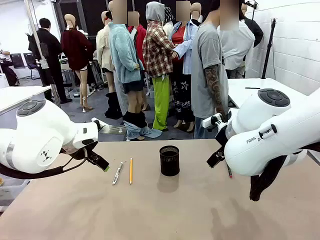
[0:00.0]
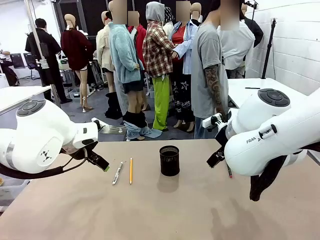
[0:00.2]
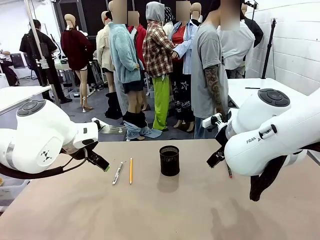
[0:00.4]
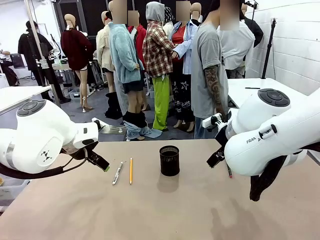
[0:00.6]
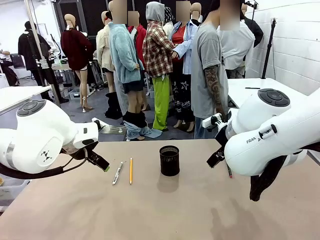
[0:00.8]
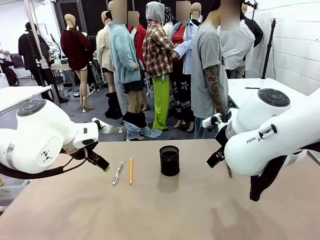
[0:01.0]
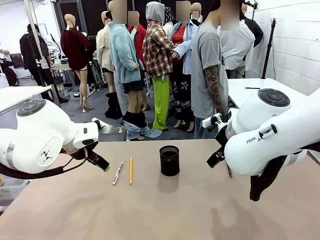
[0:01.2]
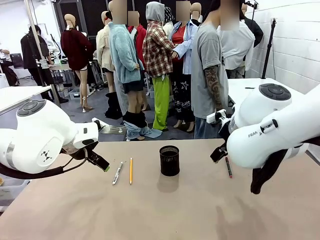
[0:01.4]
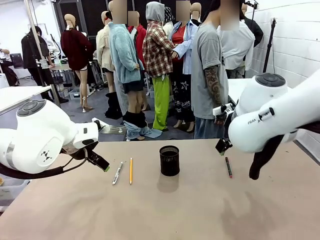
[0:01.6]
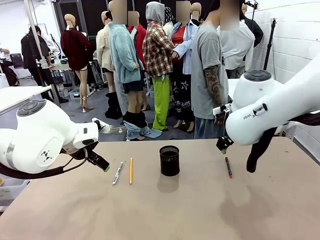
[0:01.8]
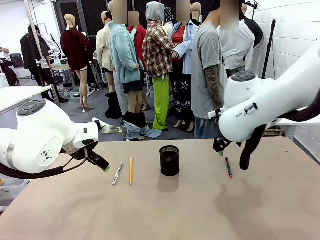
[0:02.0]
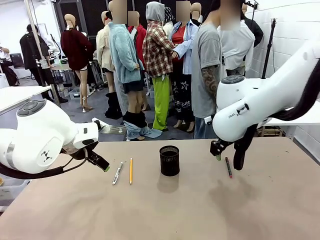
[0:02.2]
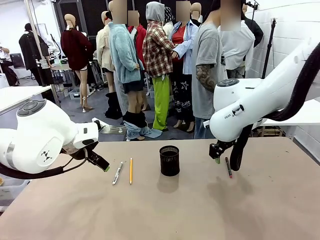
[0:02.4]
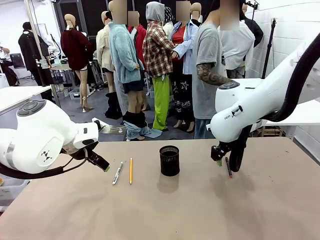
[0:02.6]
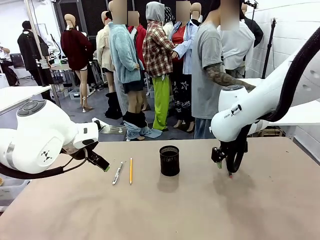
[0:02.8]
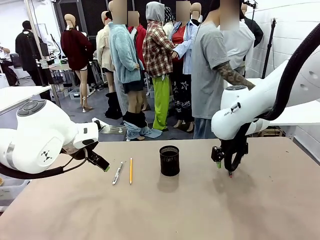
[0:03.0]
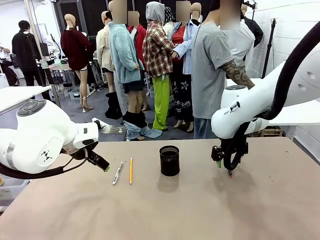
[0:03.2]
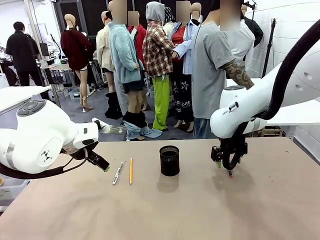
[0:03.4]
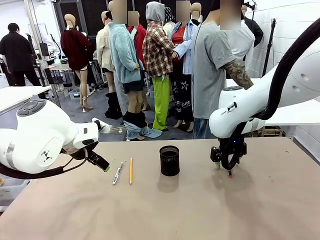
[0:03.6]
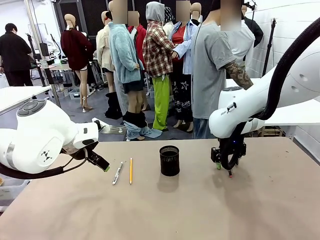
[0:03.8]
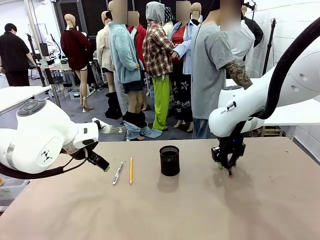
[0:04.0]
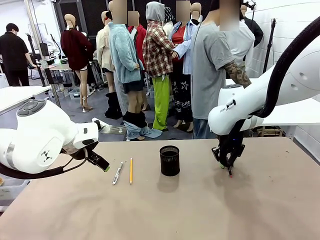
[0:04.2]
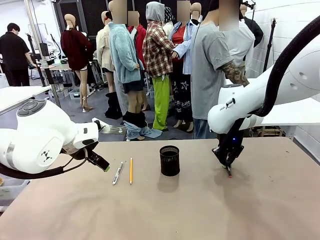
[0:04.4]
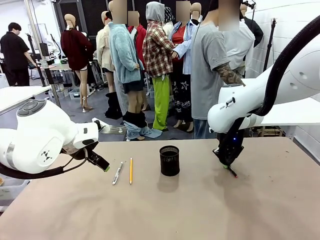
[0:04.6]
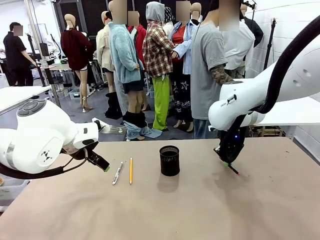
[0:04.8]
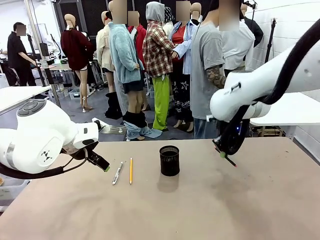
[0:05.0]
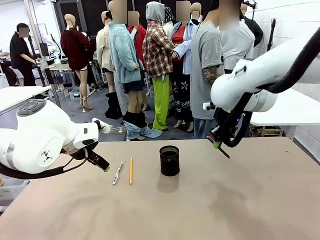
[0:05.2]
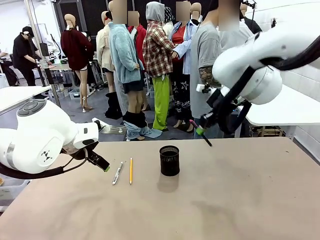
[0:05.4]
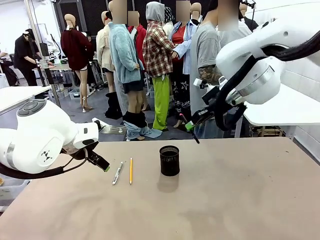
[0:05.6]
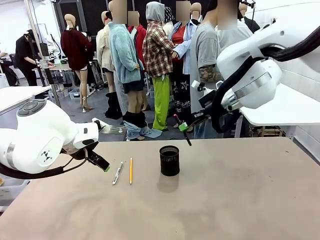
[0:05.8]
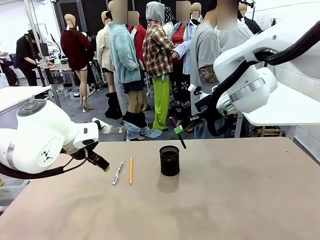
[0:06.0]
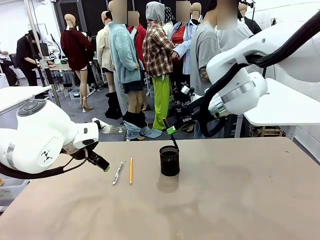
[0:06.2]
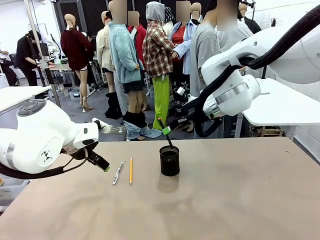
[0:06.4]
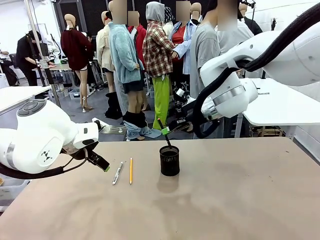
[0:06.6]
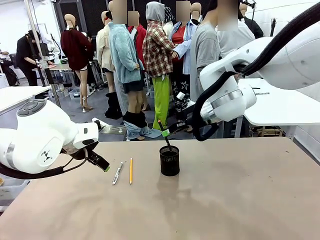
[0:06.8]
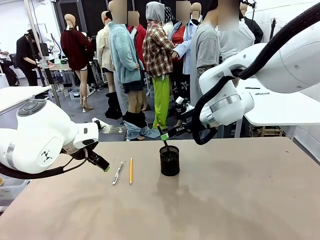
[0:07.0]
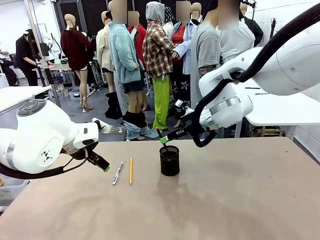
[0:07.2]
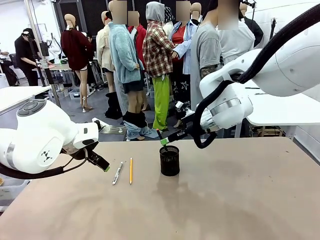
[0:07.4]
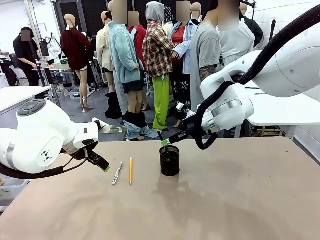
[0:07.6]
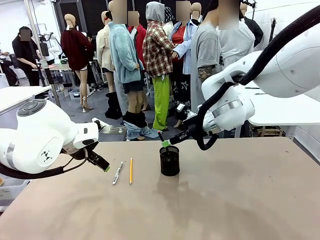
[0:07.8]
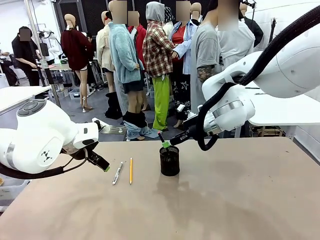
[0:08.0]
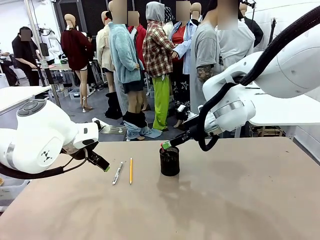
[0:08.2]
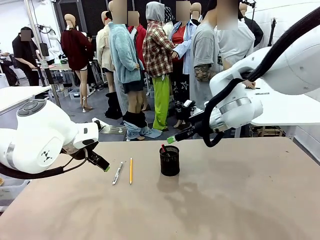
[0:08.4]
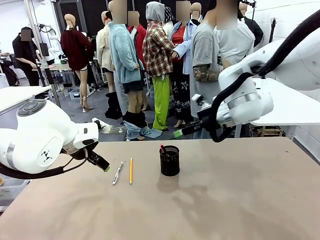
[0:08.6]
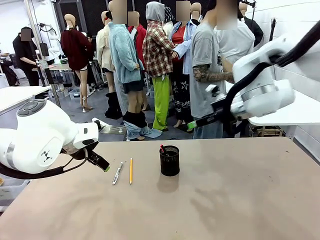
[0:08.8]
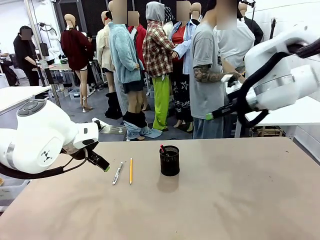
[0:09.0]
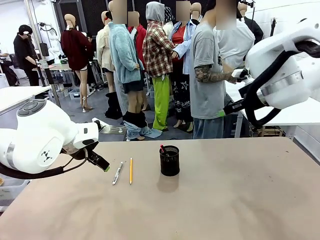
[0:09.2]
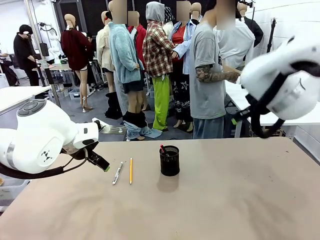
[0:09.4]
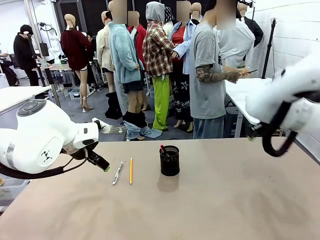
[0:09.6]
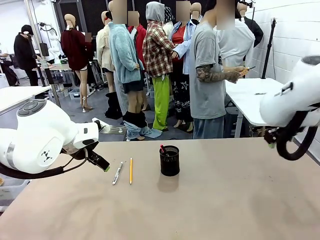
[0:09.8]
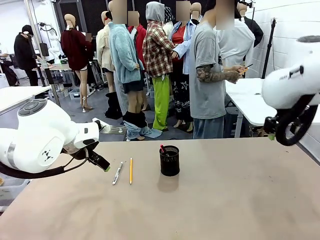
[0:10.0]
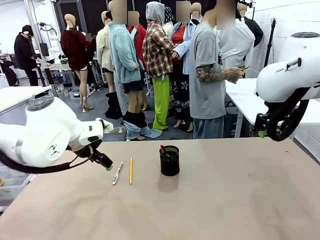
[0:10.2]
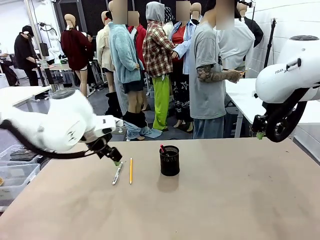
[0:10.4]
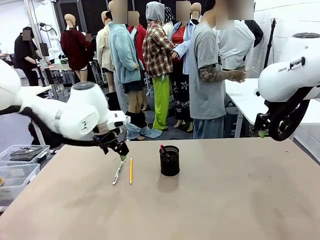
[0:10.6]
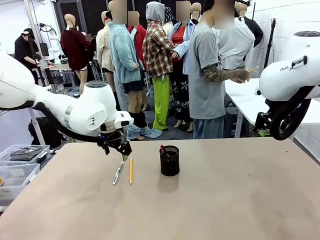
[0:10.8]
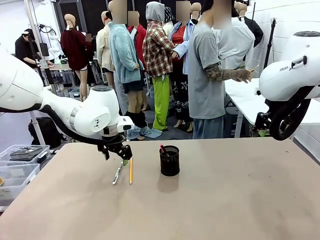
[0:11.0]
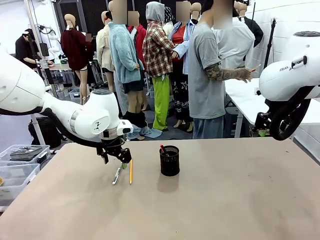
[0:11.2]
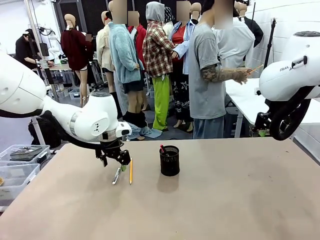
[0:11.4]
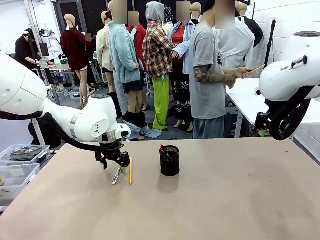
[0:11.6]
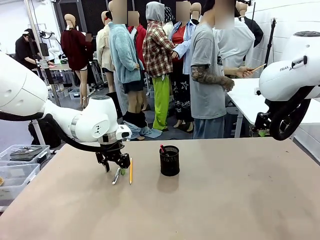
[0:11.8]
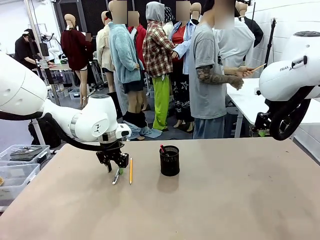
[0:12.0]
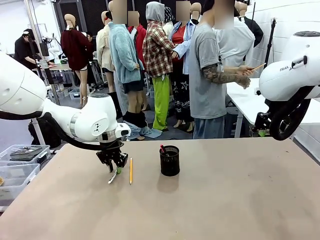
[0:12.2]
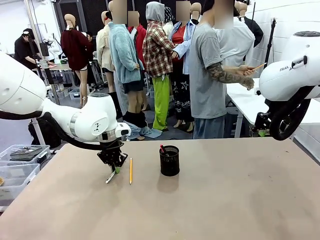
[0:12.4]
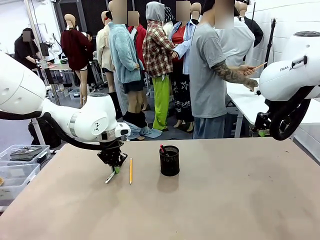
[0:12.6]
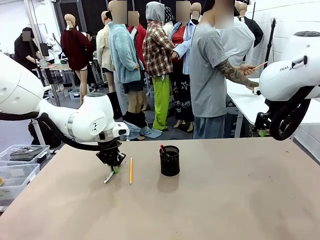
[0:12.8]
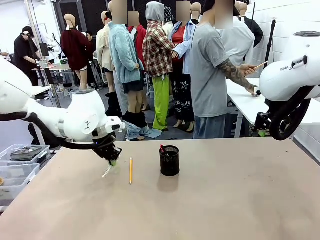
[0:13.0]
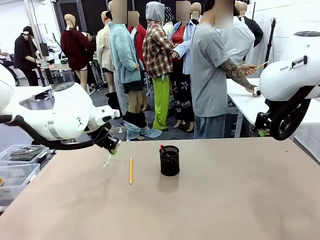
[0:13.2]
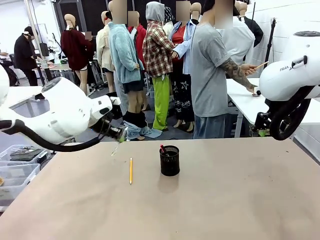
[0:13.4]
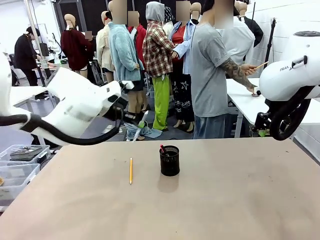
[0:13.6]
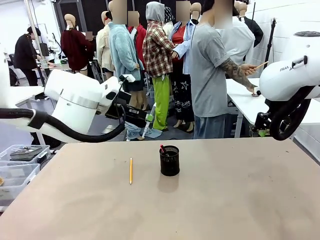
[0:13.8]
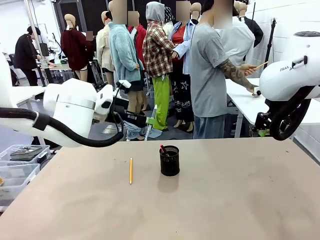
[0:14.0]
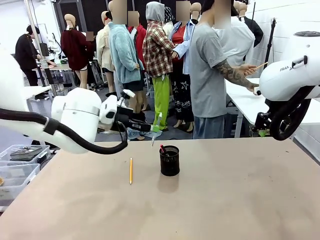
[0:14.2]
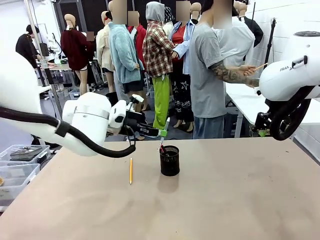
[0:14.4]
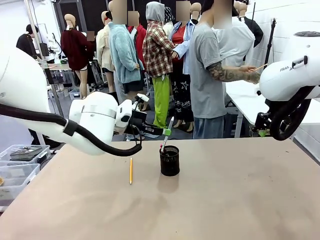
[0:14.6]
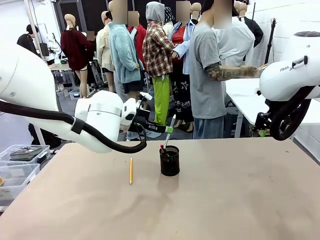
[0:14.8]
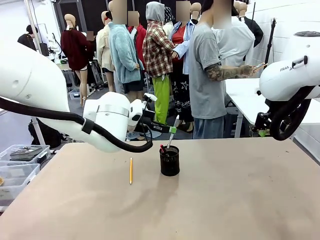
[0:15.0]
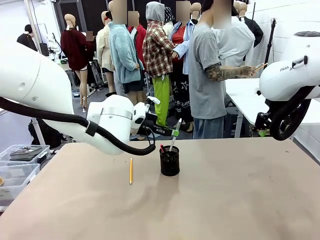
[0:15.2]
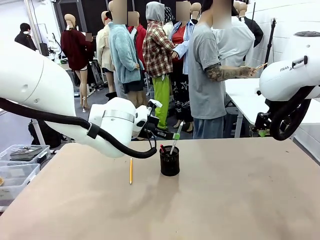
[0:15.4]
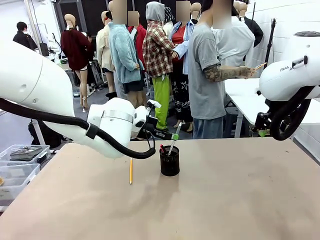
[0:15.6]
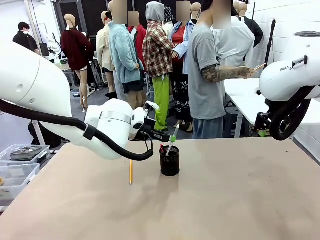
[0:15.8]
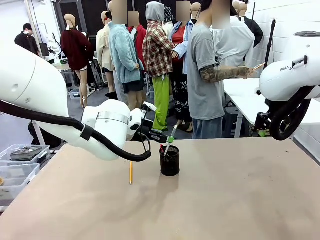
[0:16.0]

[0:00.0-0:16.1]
Task: Place the pens into the pen holder.
Robot: Pick up a writing instrument from the table and place it into the Pen holder.
Person: Pick up all writing instruments from the Human table.

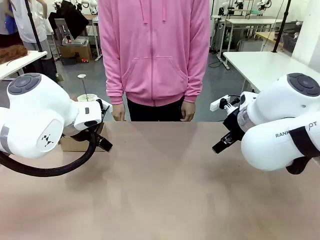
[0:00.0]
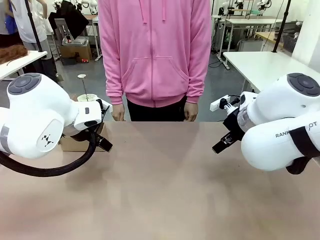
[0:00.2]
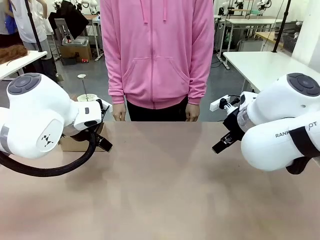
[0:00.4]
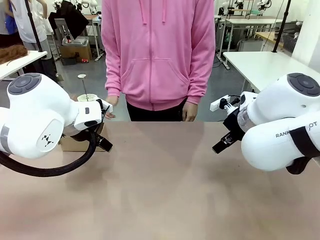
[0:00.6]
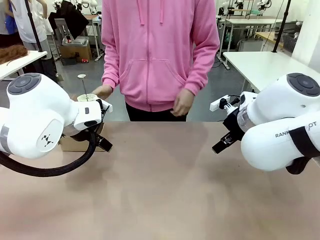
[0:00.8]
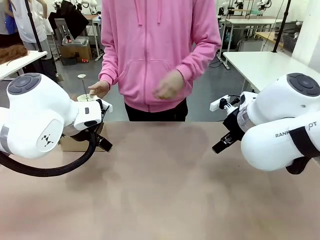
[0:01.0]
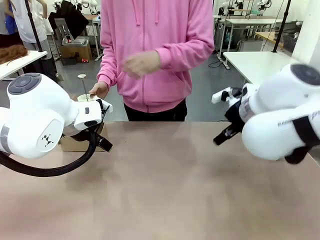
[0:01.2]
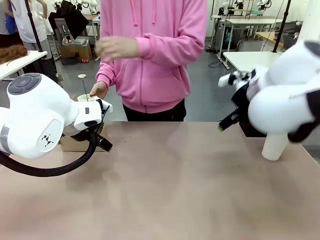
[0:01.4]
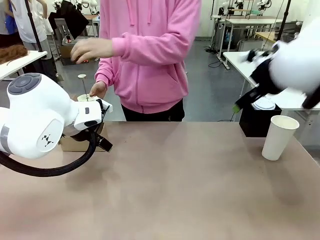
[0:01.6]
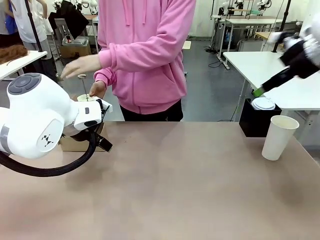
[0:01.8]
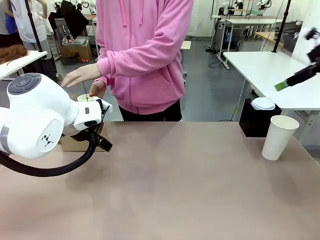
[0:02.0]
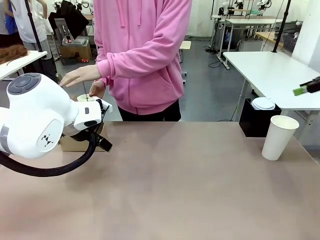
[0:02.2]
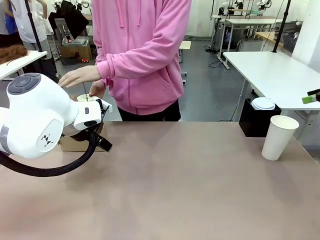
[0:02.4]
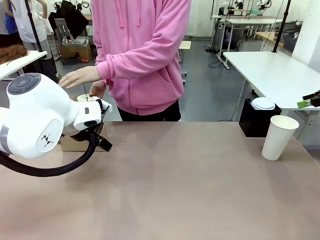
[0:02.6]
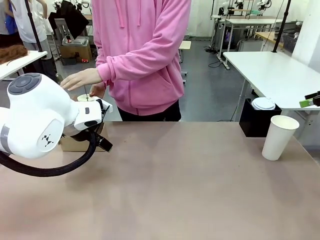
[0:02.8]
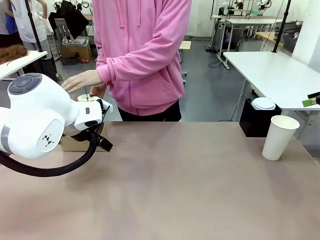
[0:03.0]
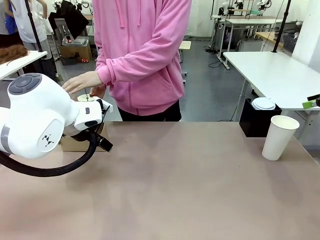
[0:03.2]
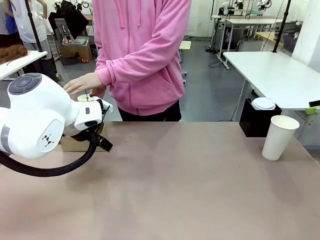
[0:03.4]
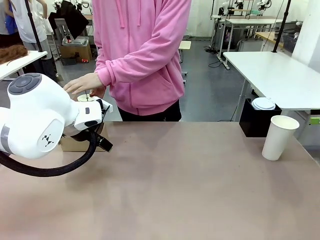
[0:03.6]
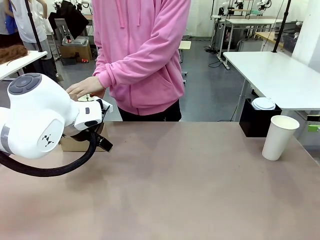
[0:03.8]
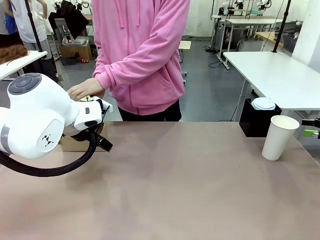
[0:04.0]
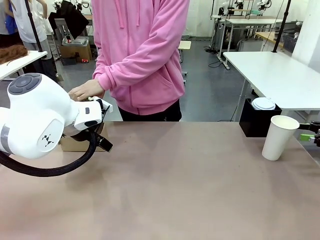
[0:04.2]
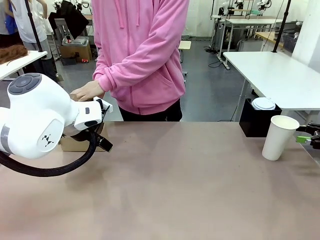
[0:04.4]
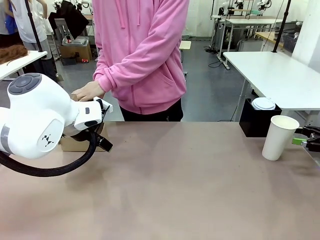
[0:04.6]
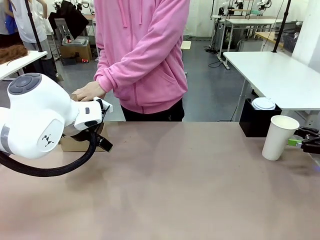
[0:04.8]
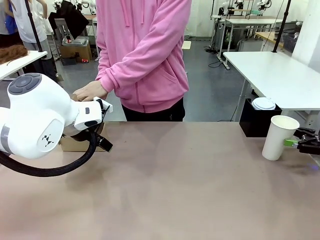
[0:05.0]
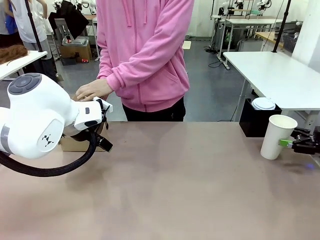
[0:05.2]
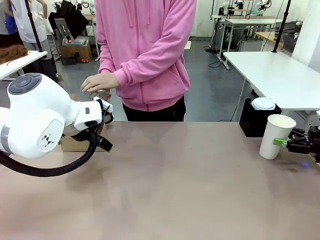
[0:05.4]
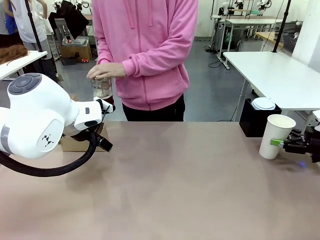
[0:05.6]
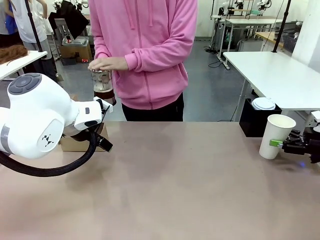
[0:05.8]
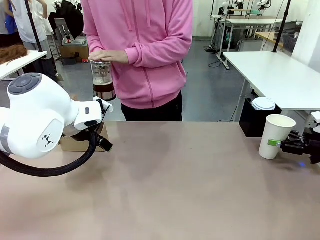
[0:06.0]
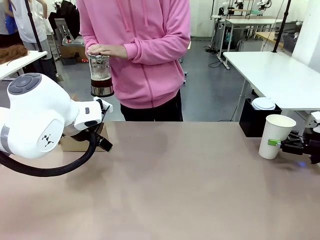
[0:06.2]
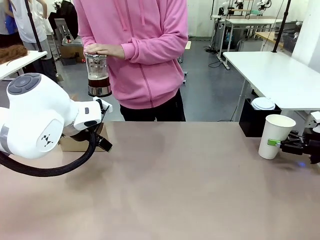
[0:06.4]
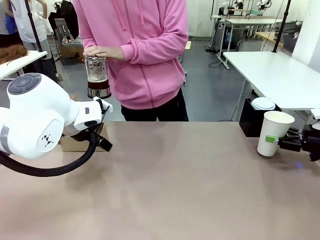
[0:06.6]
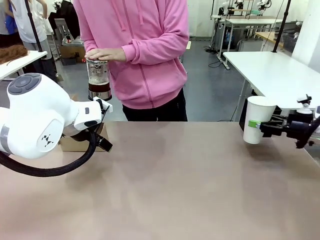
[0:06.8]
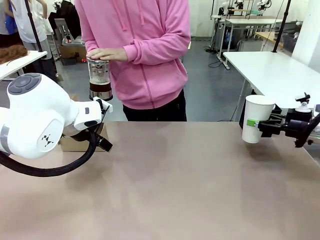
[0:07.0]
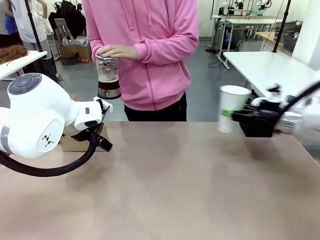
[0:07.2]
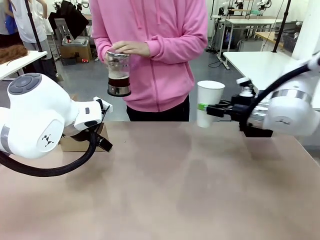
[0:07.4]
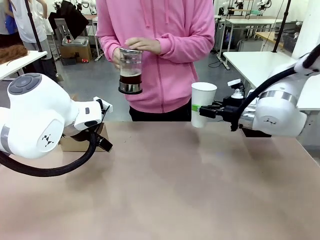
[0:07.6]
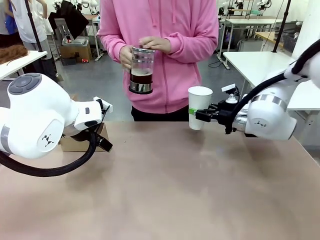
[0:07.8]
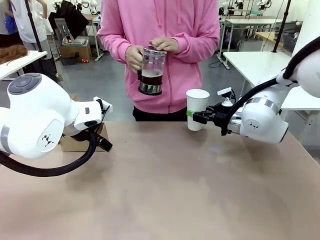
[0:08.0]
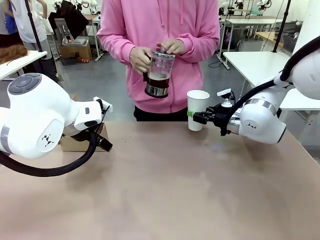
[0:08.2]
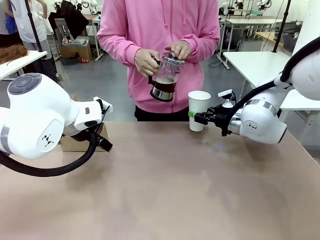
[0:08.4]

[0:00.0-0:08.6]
Task: Pour a drink into a cup and package it in a carrier.
Robot: Pick up the 600 ml Paper Cup and place it in the middle top area of the table.
Person: Press and pick up the Filter Brewing.
